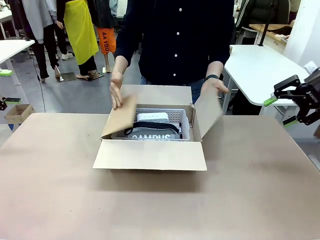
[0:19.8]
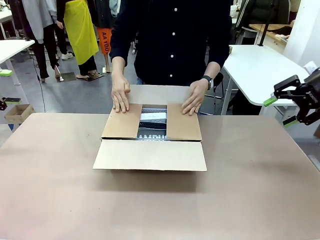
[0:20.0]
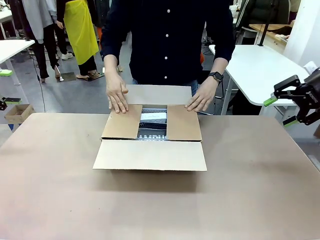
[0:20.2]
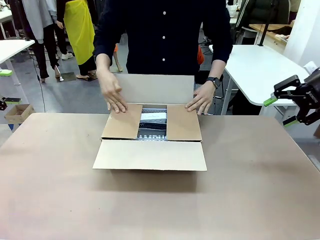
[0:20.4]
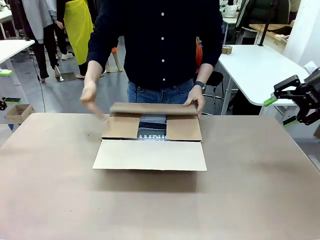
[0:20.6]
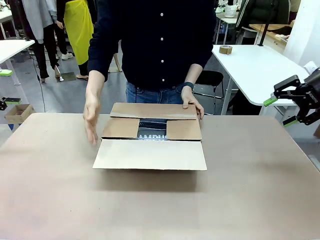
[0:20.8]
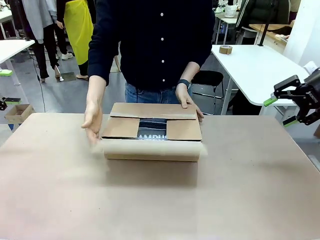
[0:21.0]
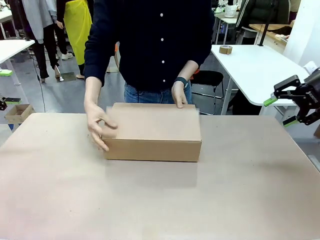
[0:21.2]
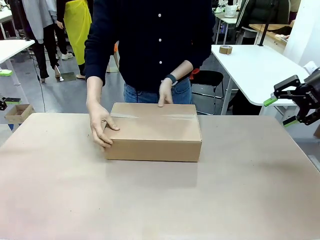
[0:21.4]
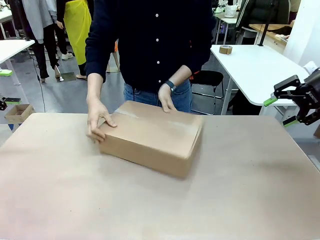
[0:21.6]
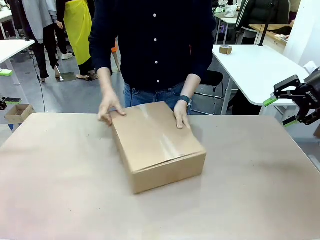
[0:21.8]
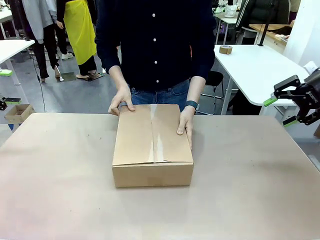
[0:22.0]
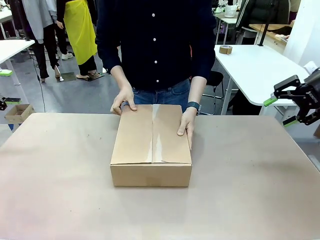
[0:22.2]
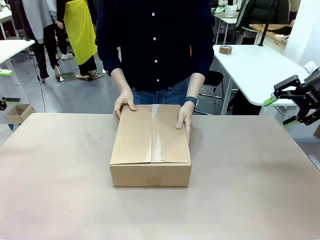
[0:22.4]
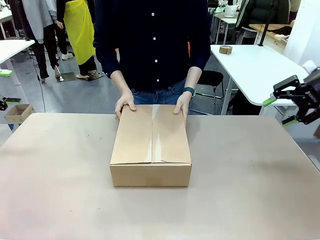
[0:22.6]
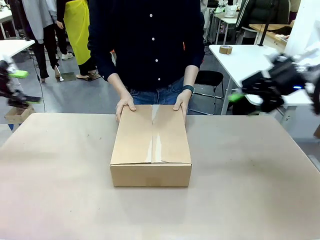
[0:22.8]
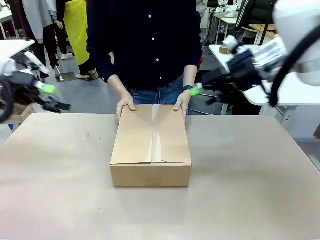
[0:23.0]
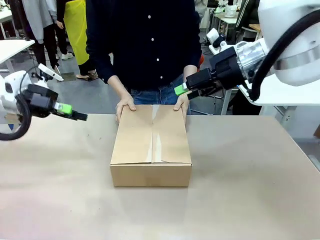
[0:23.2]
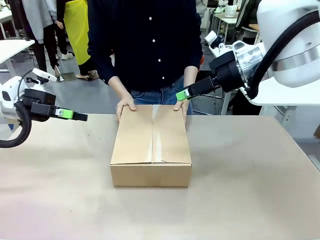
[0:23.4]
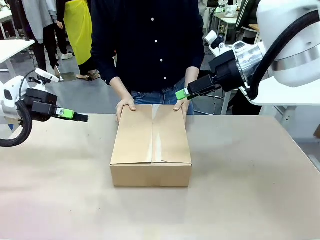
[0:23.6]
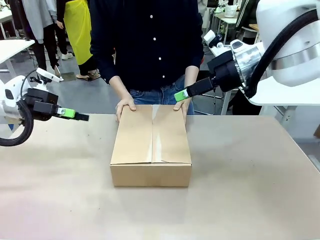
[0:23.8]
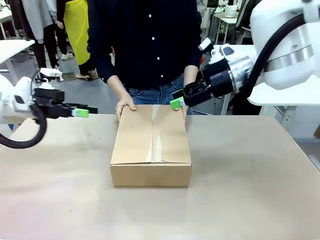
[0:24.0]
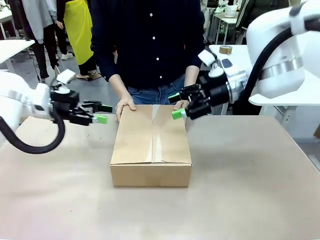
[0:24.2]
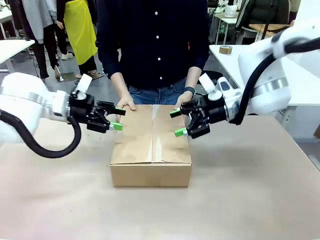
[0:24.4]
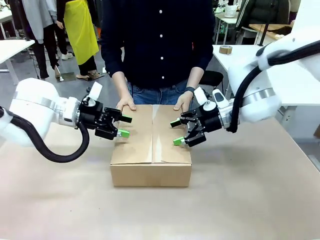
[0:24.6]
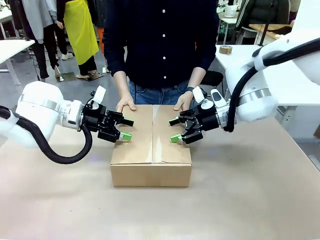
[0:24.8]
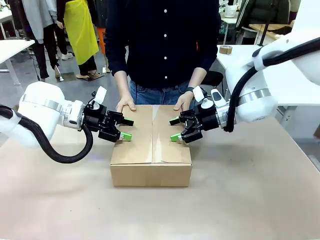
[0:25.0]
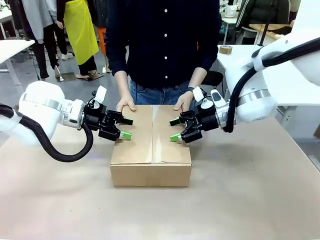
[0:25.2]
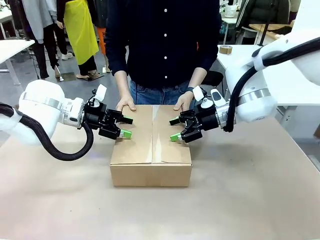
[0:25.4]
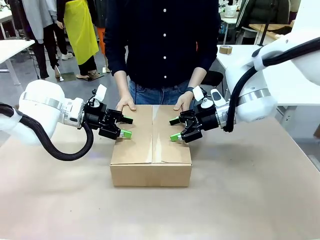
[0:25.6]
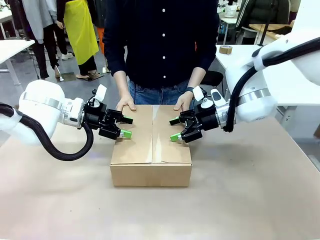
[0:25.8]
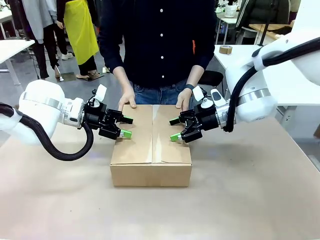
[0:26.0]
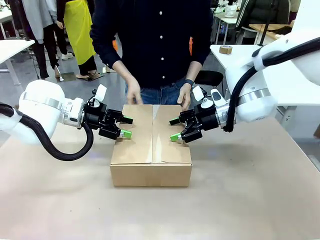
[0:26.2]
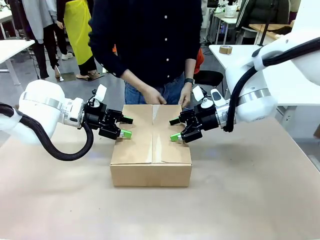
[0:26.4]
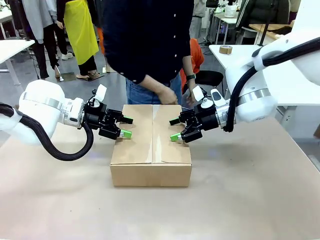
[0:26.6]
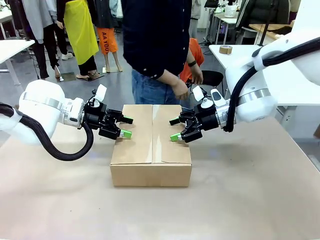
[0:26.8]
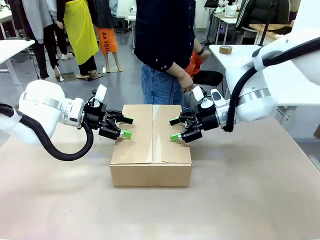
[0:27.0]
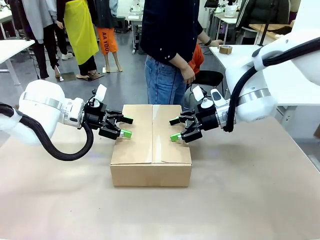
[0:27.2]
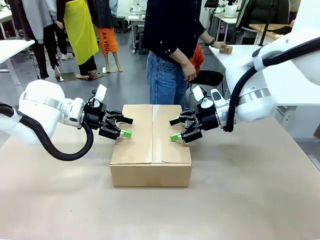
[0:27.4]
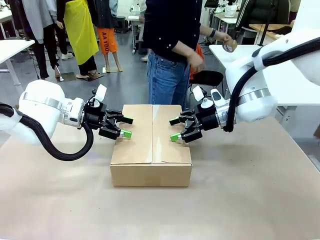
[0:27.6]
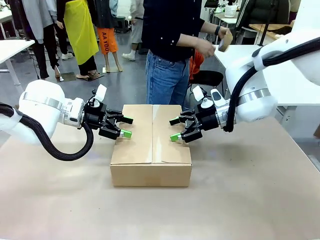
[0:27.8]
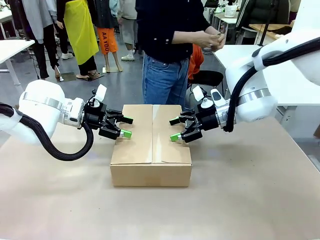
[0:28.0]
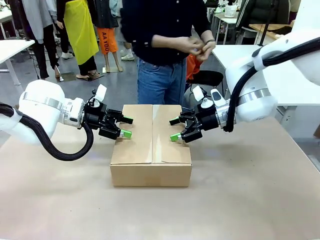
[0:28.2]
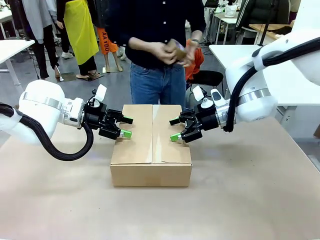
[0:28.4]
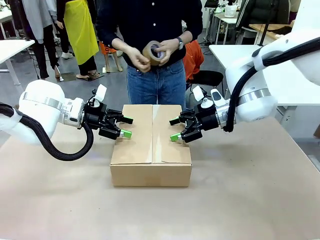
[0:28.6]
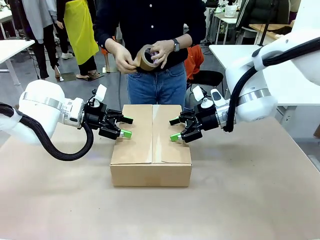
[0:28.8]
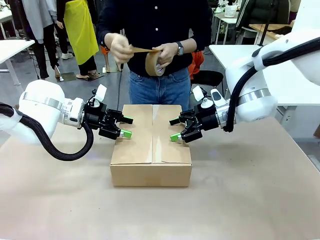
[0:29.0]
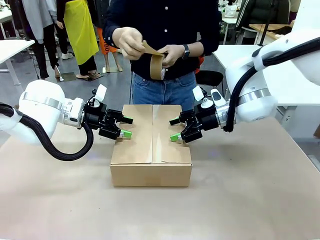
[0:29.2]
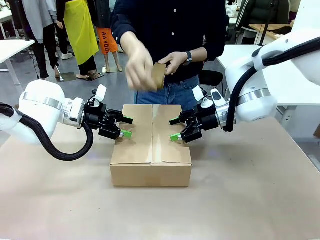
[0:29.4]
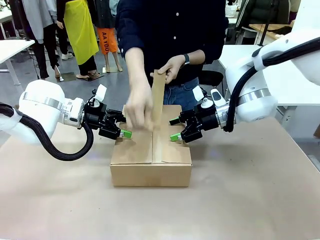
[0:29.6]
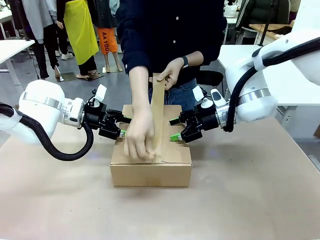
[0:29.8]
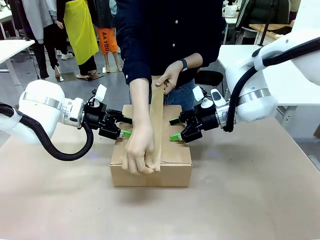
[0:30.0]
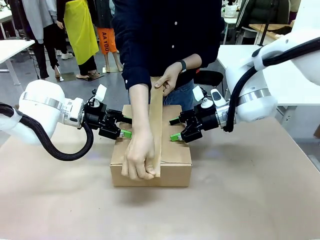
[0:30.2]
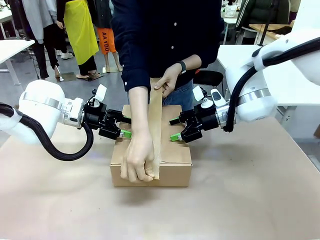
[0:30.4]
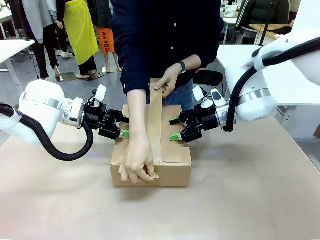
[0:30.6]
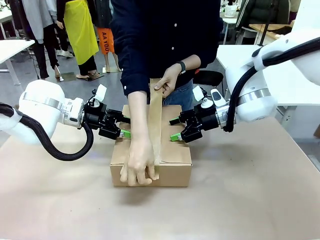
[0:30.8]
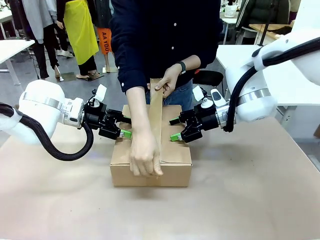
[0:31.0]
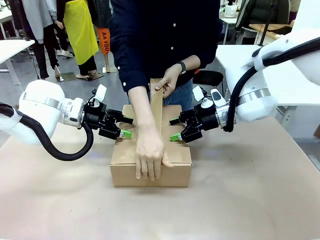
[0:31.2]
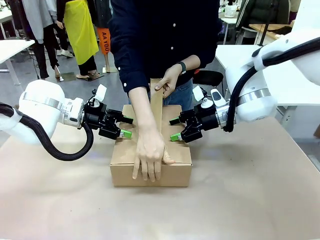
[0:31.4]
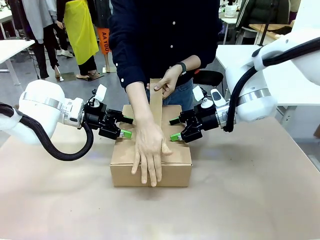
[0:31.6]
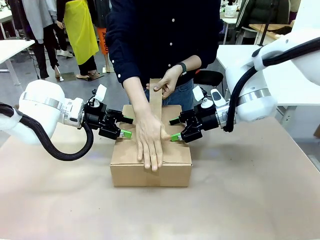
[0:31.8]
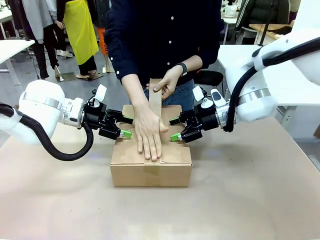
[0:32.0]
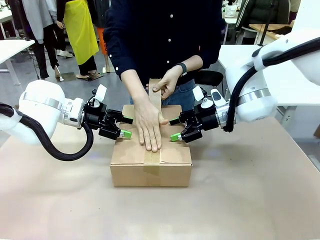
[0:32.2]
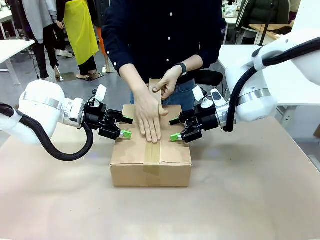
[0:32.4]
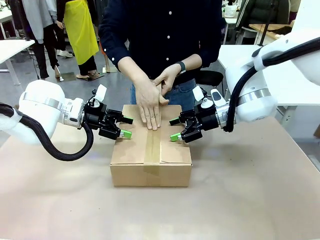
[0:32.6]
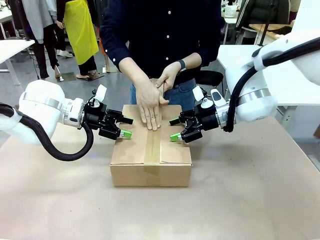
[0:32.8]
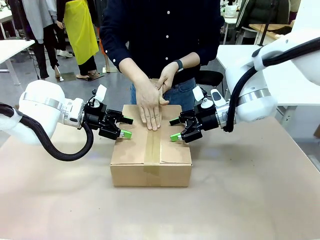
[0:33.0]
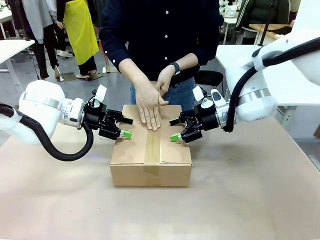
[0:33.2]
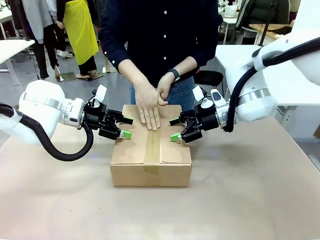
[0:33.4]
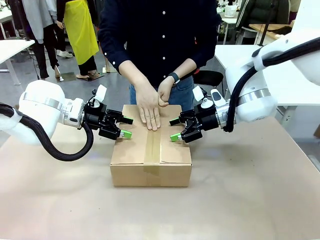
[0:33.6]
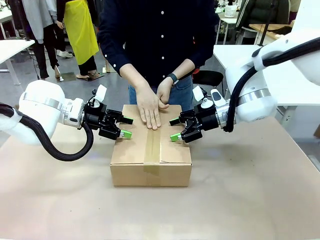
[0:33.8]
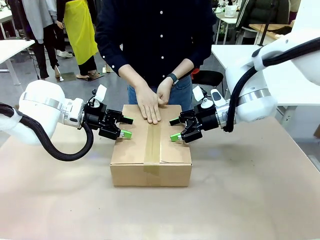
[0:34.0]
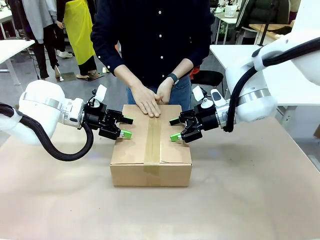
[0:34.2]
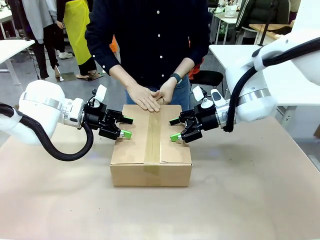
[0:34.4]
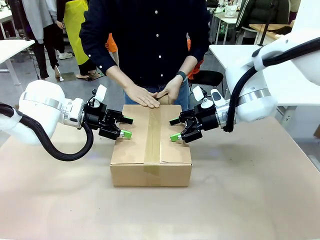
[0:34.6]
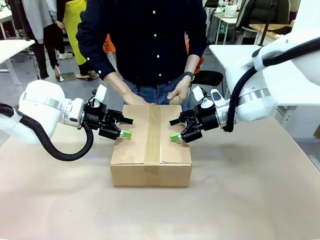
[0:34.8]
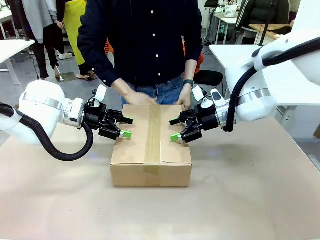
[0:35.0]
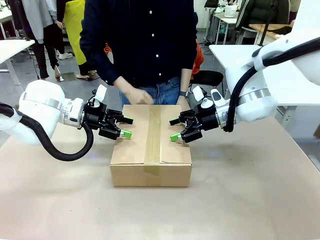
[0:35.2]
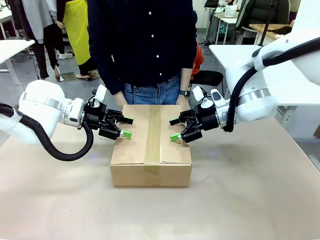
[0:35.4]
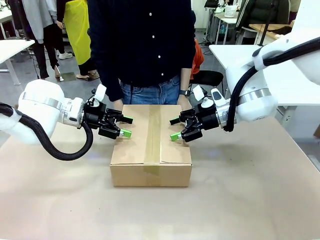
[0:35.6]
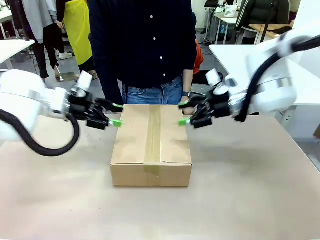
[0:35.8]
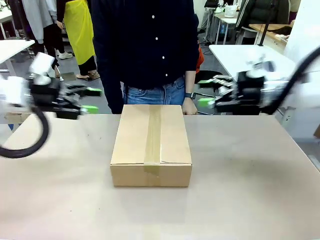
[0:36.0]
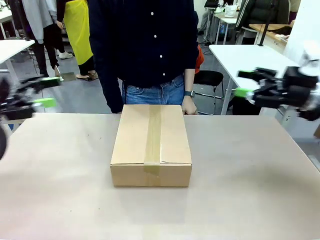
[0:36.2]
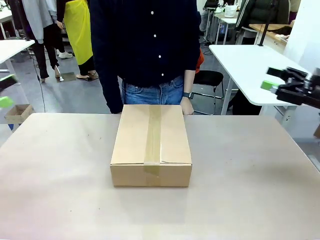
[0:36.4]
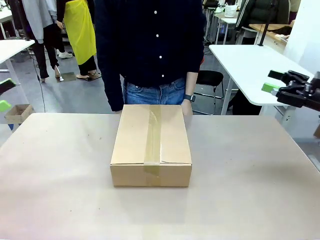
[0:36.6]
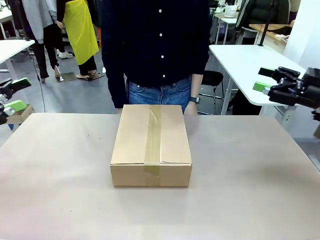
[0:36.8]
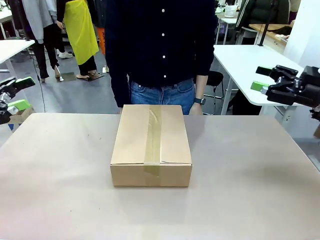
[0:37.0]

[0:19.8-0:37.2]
Task: Pack the gift set into the box.
Robot: Press and hold the closed box until the human finishes sealing it.
Person: The human closes the box and rotates the box by 90 degrees. The human picks up the paper tape from the human table and packs the box.
